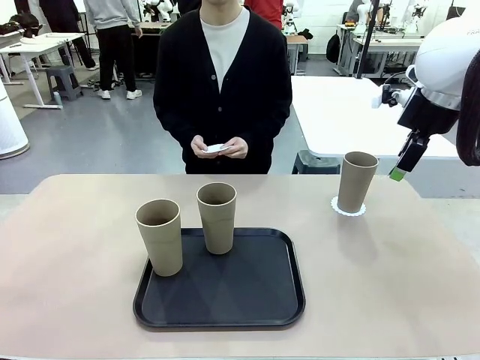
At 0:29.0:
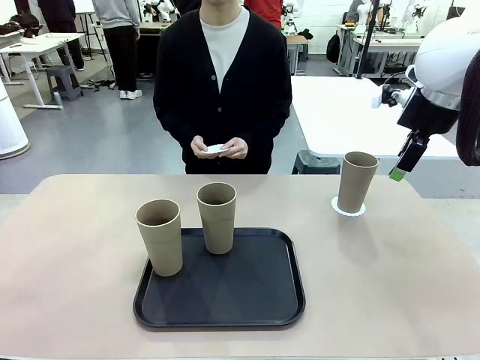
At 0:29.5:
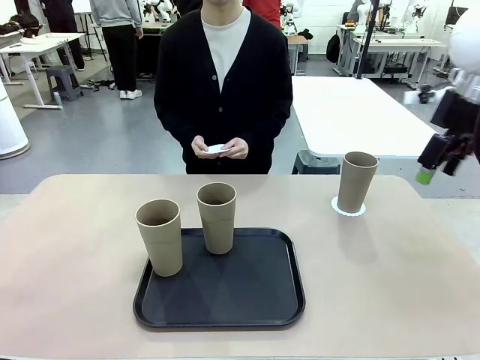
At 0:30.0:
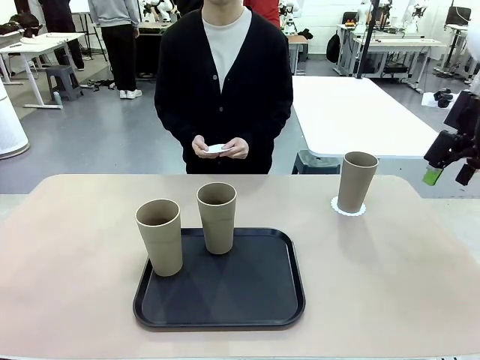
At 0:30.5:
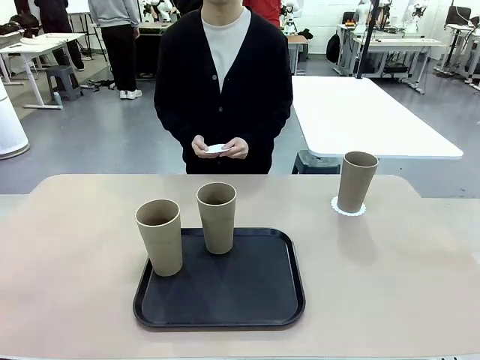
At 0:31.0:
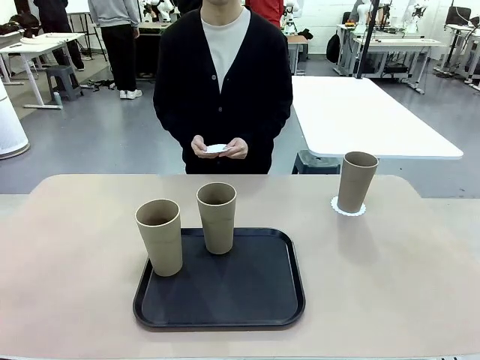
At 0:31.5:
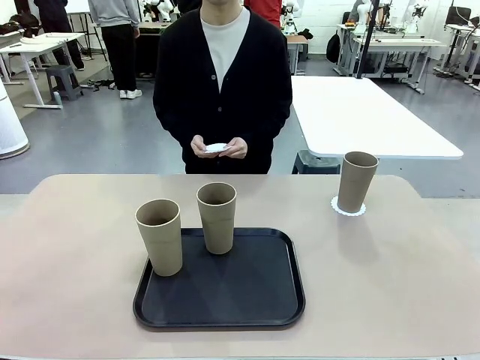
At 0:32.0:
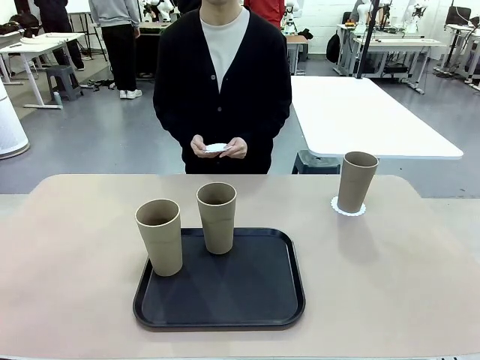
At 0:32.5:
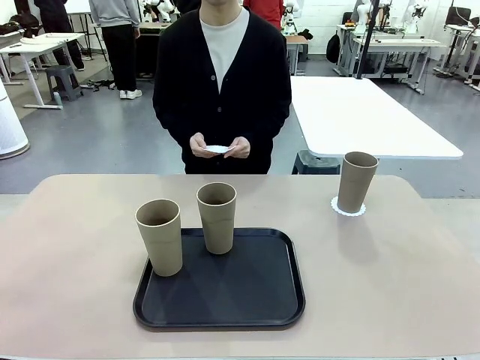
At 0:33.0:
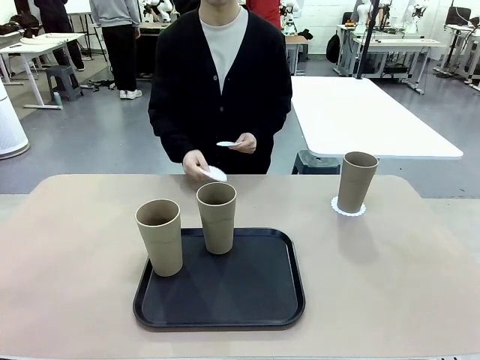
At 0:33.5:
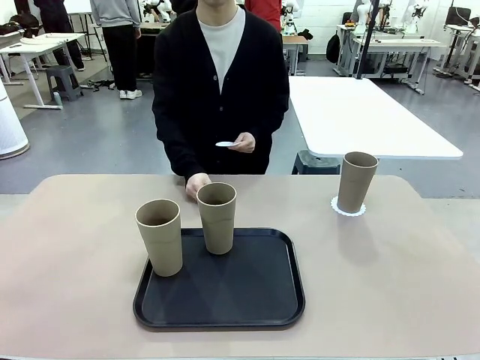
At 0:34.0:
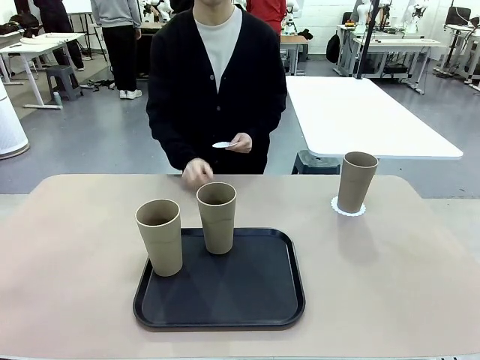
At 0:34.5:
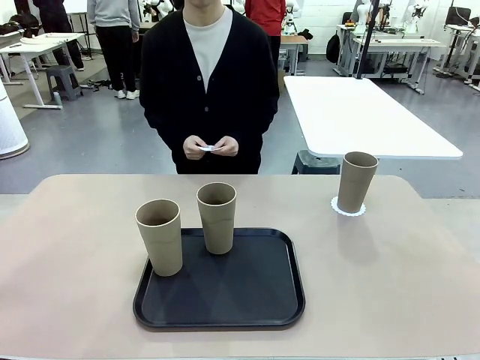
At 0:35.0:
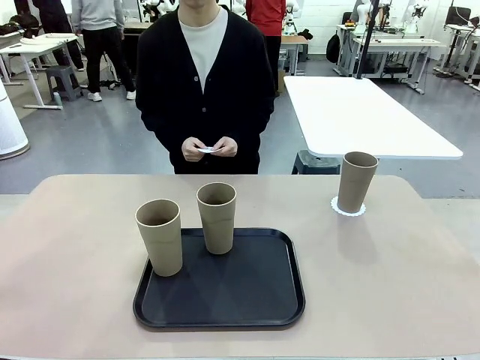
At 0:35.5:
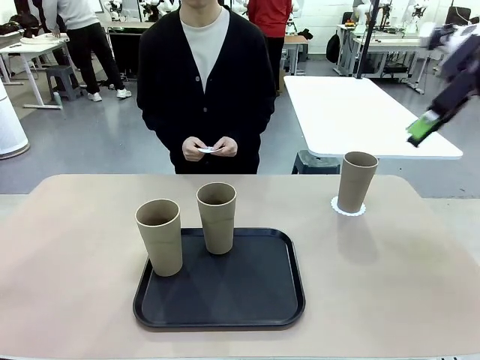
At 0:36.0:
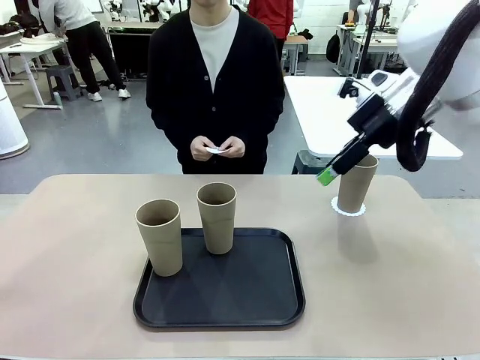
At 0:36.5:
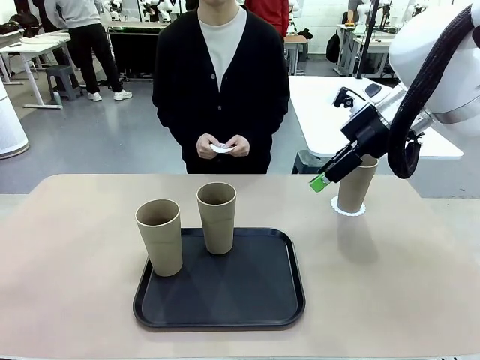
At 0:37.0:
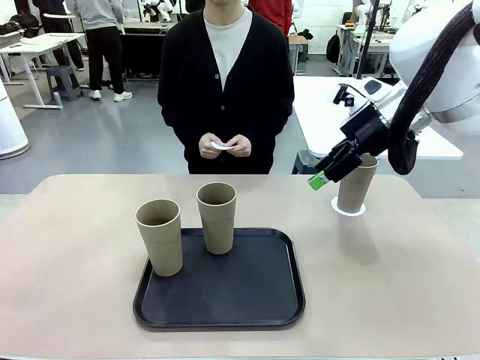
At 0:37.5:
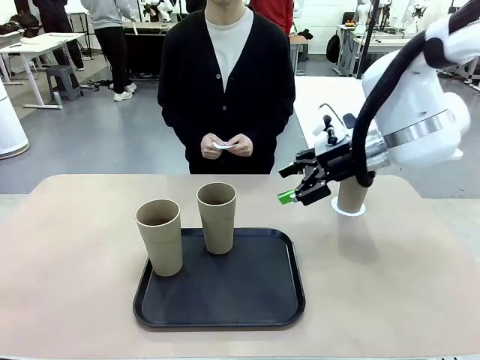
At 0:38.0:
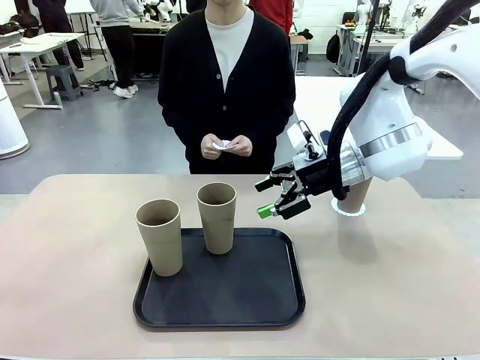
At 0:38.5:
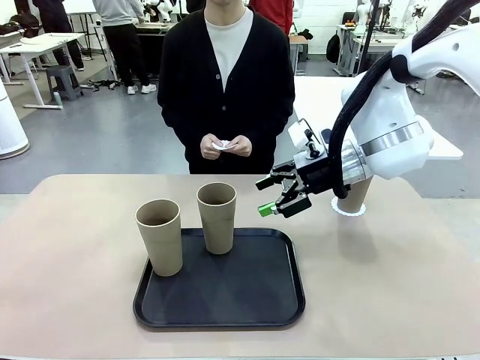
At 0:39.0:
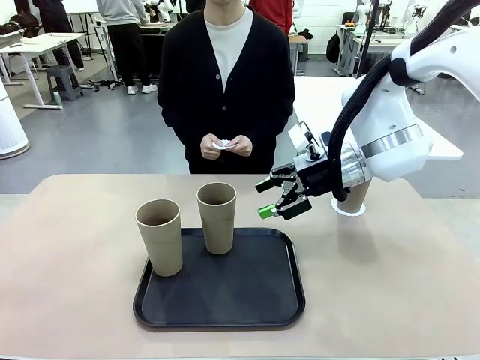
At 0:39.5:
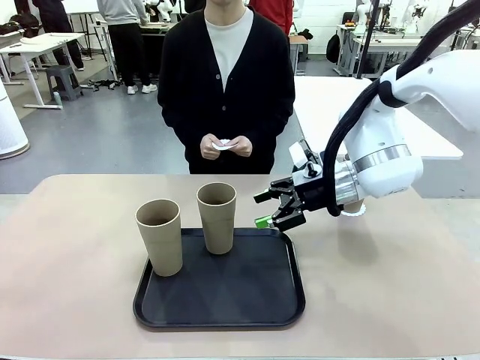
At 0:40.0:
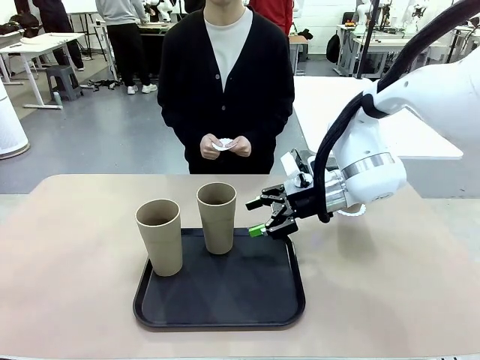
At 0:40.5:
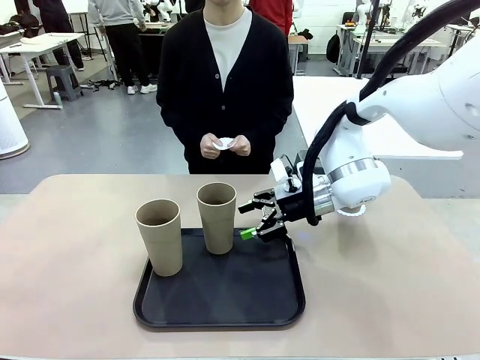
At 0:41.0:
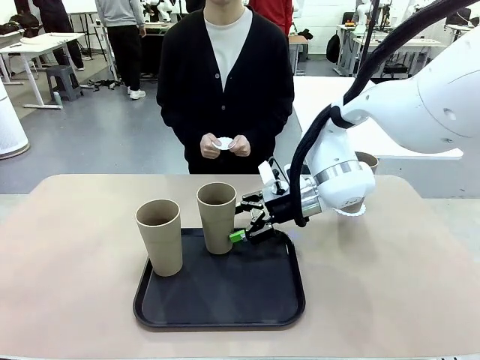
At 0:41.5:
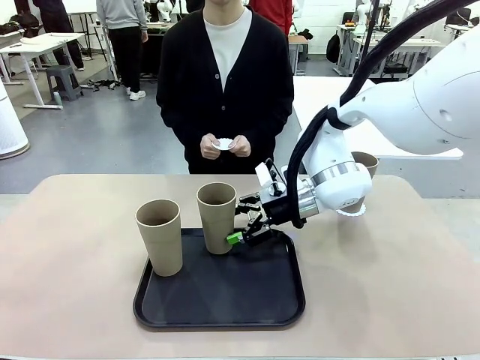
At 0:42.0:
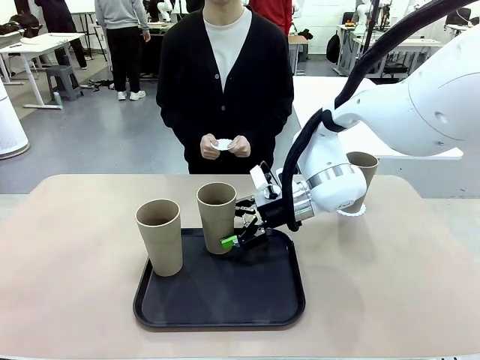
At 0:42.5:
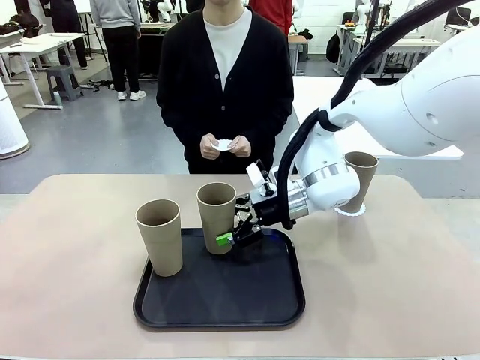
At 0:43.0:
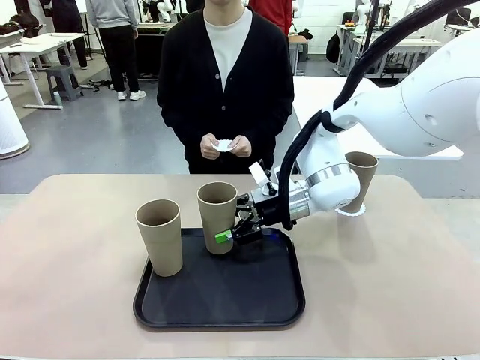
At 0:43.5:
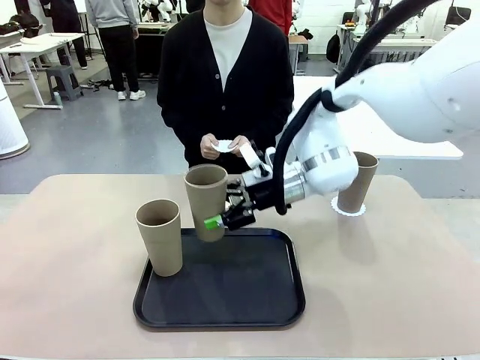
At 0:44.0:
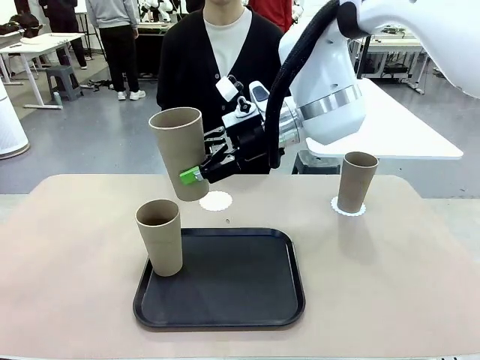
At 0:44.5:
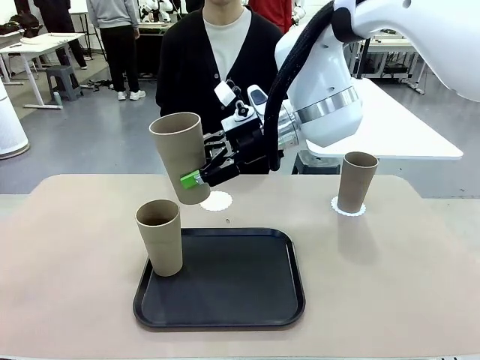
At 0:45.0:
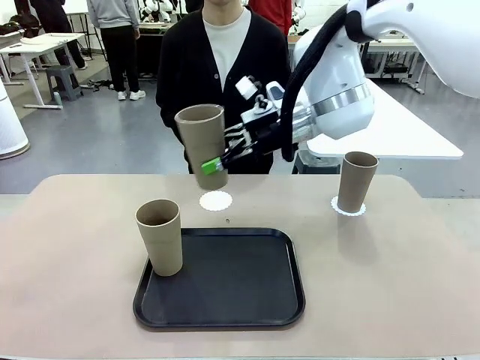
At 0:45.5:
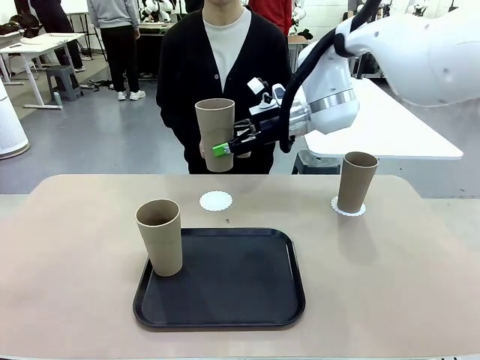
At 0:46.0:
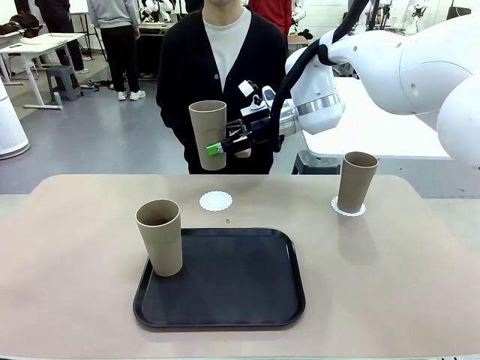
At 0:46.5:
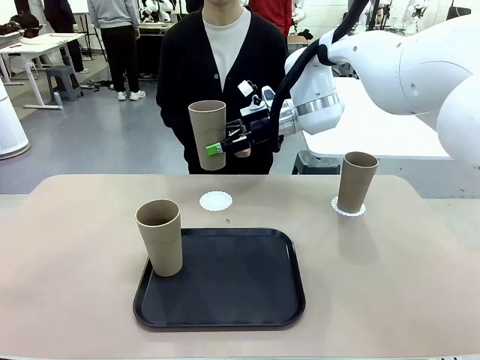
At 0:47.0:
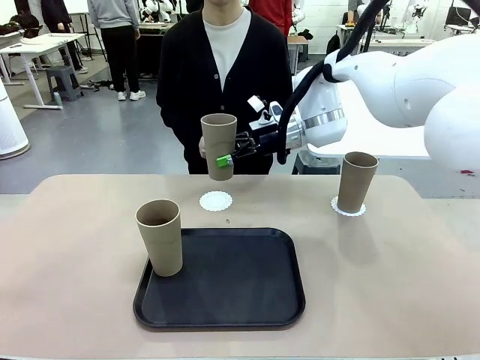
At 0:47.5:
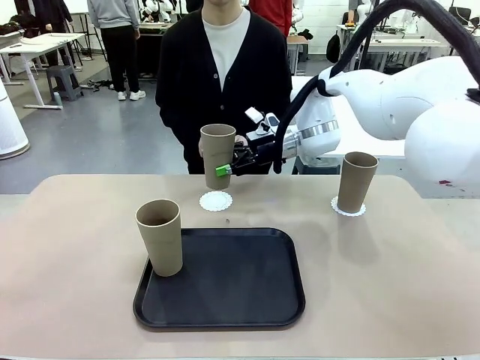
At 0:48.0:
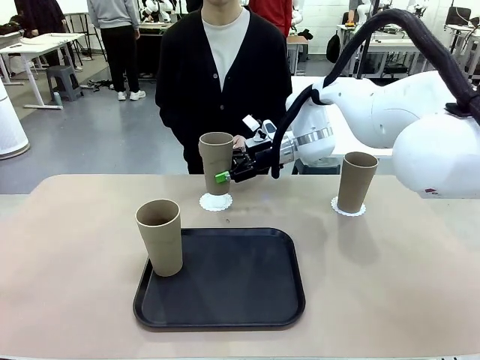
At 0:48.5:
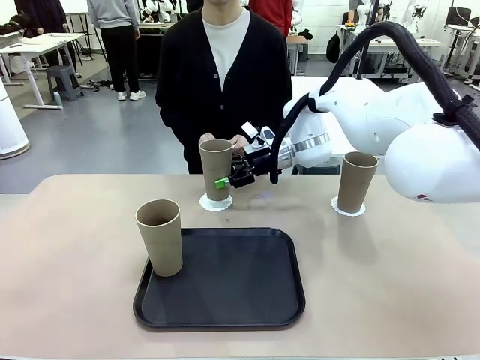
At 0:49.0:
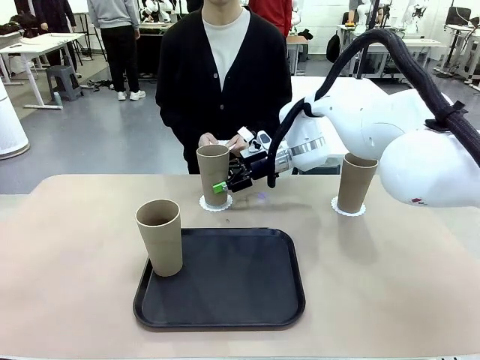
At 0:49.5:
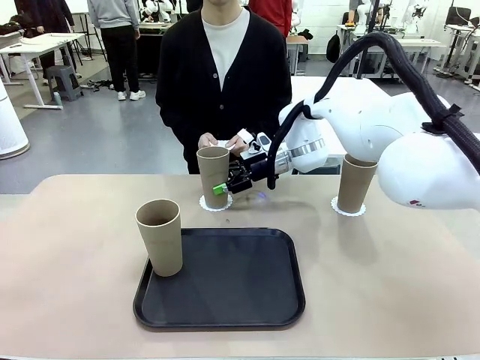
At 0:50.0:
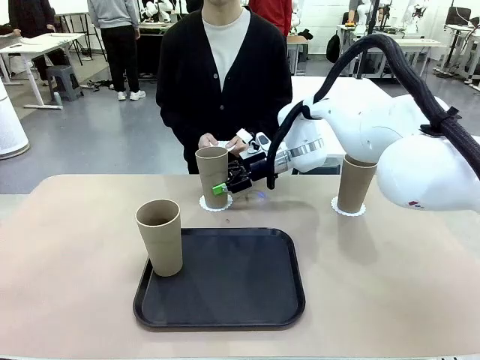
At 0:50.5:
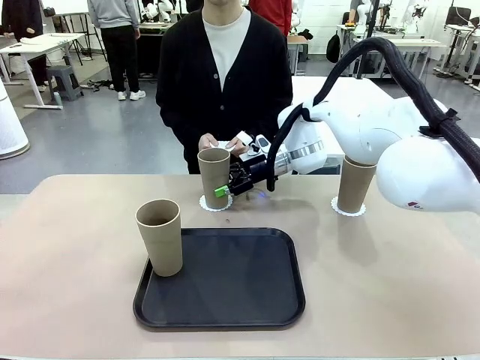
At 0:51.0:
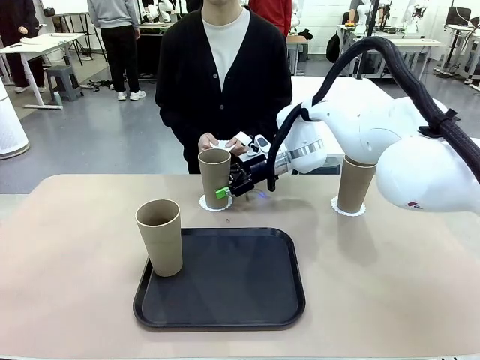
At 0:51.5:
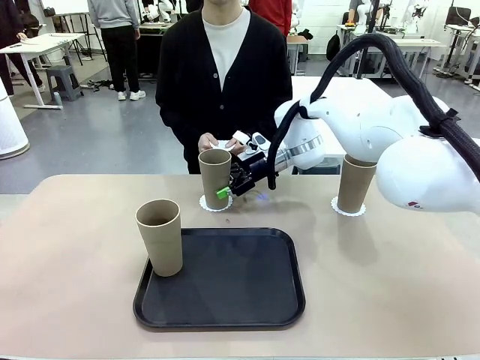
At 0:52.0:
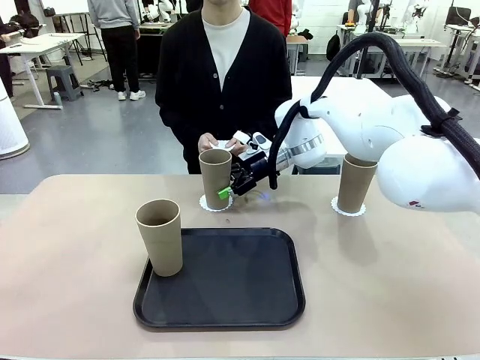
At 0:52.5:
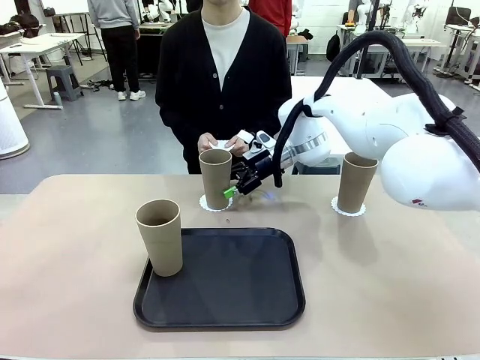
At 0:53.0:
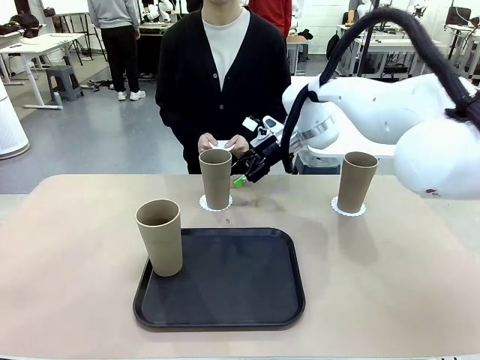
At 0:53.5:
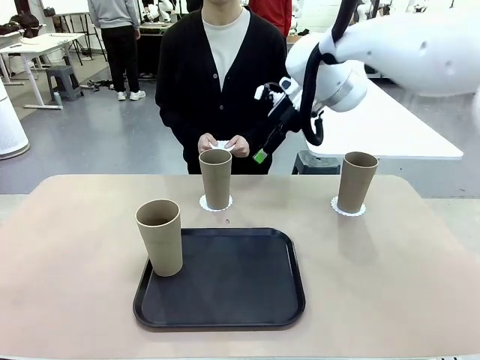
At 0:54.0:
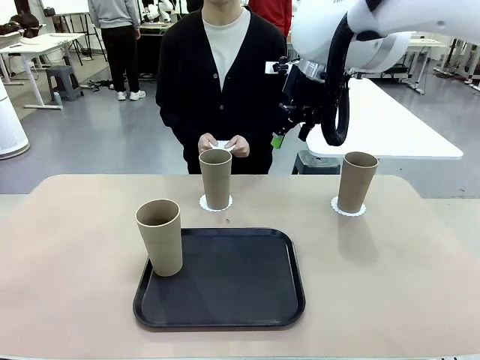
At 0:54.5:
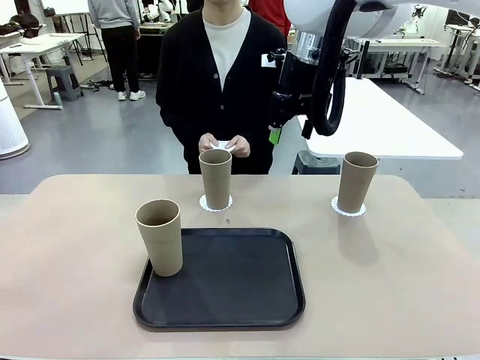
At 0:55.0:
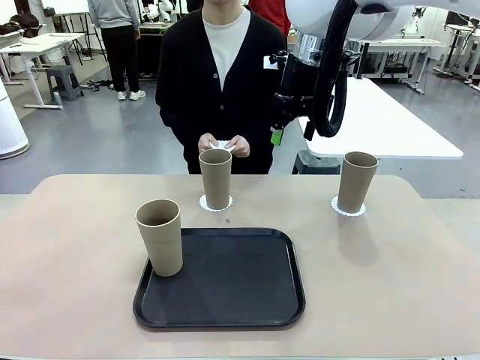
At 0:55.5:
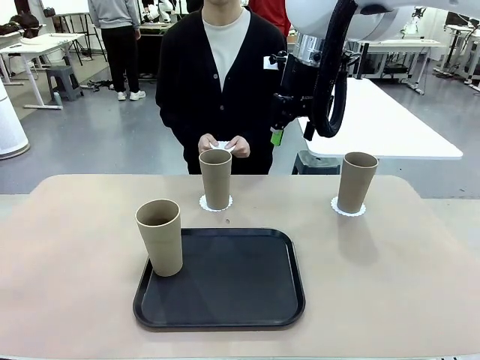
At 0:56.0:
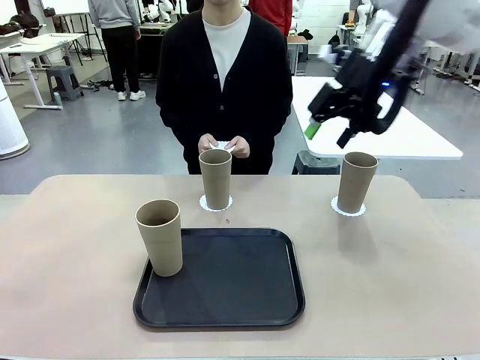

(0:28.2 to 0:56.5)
Task: Place coasters on the table and set cups on them.
Robot: Take one Reusable plastic cup from the Flat Tray and place it on a coaster set by the human.
